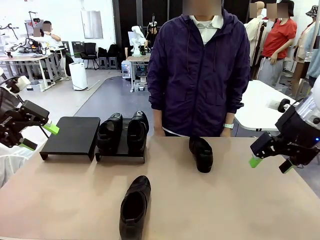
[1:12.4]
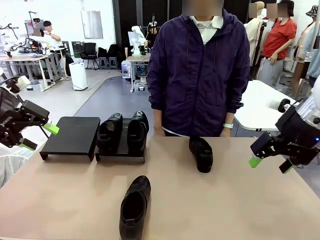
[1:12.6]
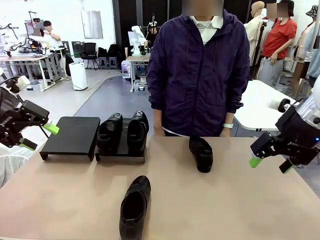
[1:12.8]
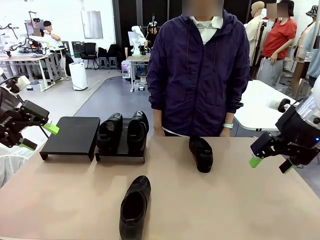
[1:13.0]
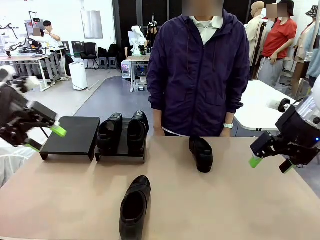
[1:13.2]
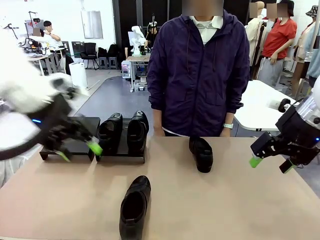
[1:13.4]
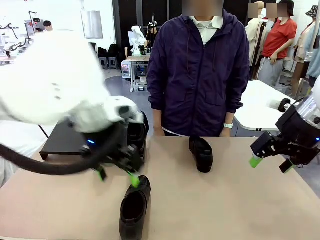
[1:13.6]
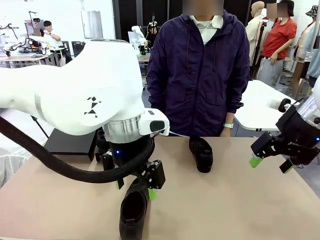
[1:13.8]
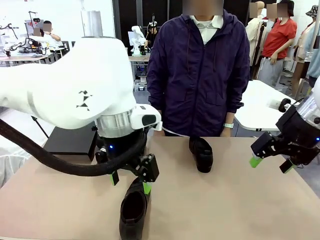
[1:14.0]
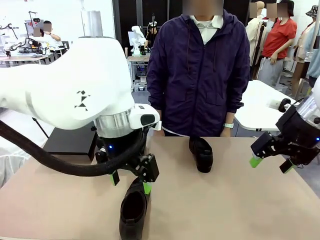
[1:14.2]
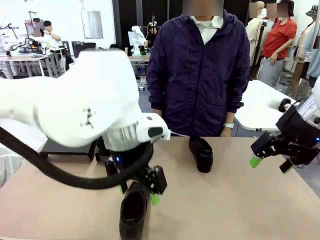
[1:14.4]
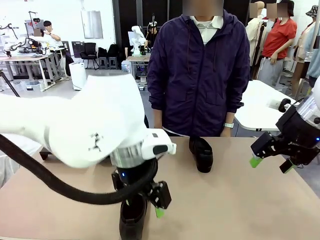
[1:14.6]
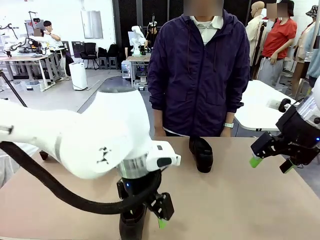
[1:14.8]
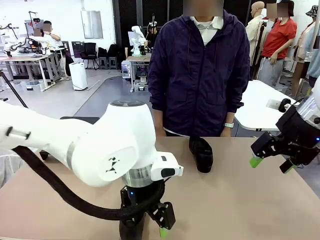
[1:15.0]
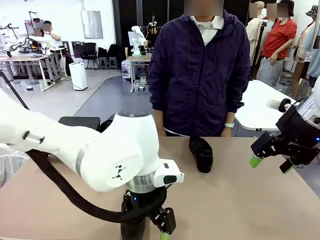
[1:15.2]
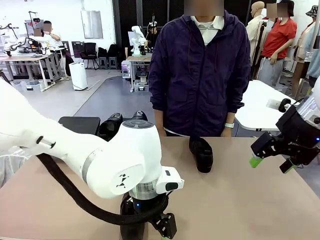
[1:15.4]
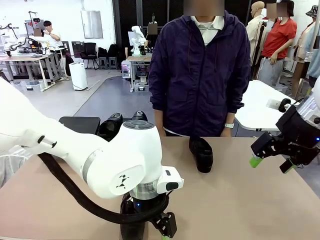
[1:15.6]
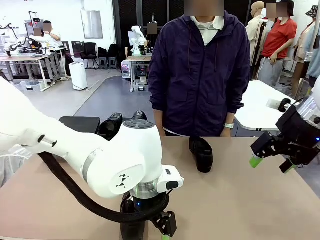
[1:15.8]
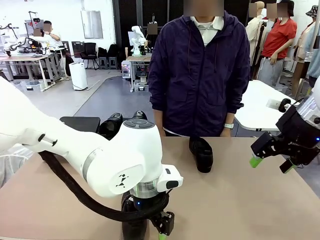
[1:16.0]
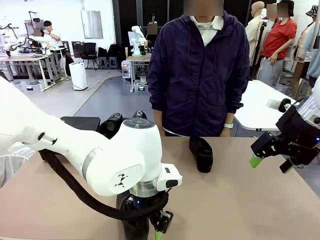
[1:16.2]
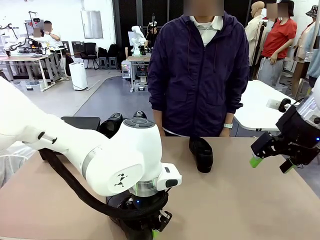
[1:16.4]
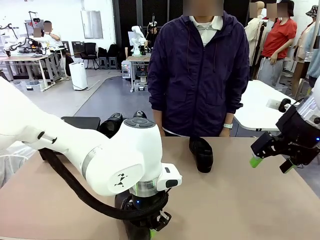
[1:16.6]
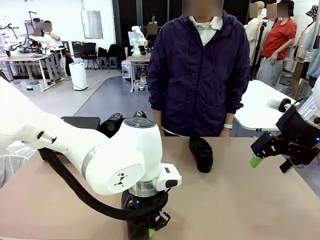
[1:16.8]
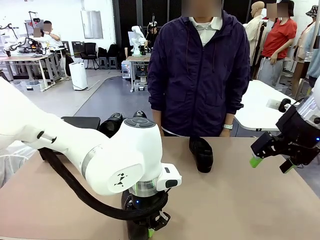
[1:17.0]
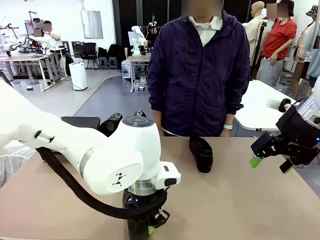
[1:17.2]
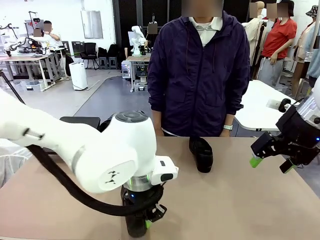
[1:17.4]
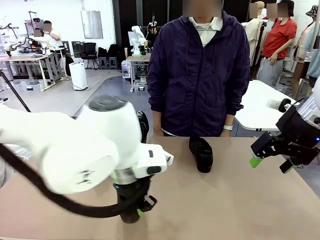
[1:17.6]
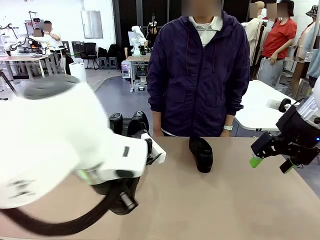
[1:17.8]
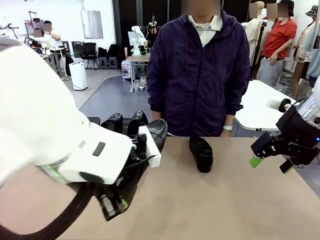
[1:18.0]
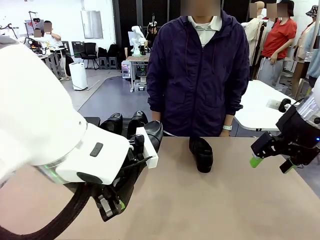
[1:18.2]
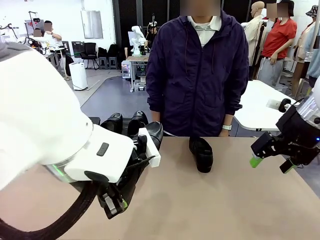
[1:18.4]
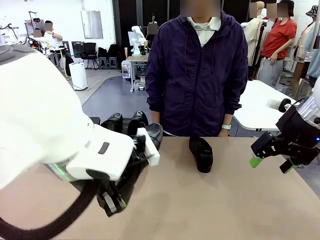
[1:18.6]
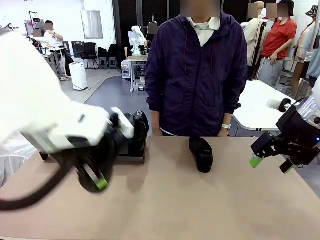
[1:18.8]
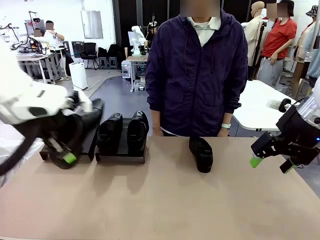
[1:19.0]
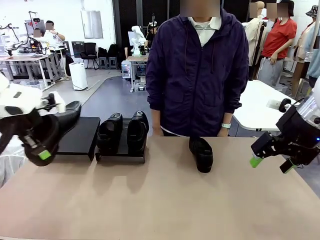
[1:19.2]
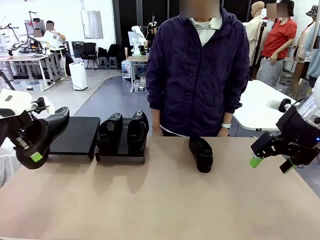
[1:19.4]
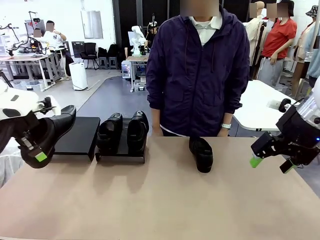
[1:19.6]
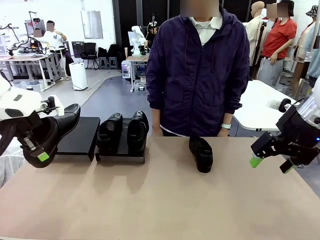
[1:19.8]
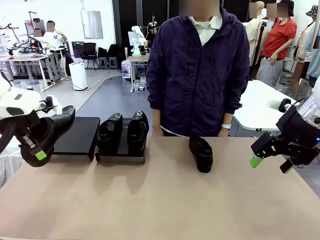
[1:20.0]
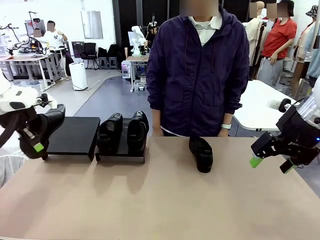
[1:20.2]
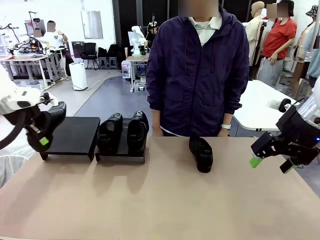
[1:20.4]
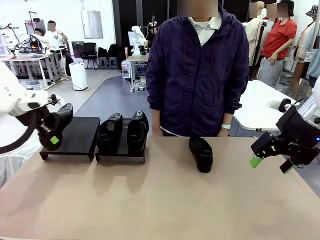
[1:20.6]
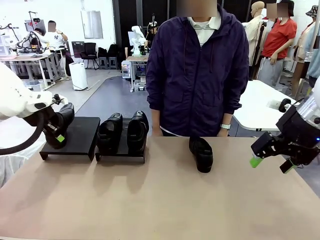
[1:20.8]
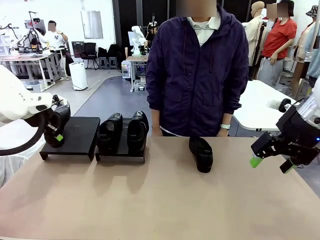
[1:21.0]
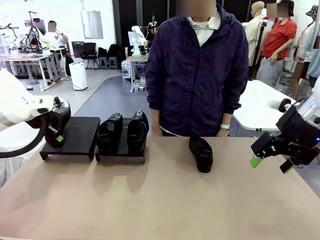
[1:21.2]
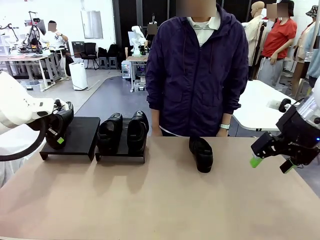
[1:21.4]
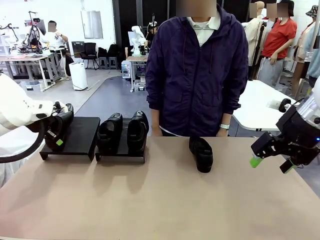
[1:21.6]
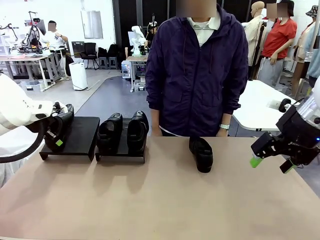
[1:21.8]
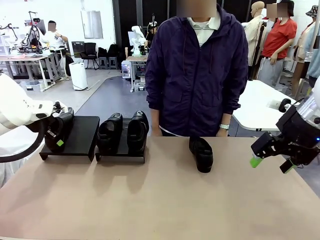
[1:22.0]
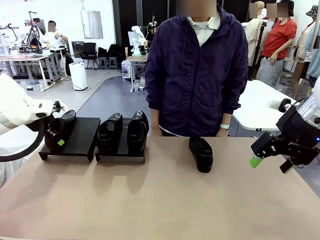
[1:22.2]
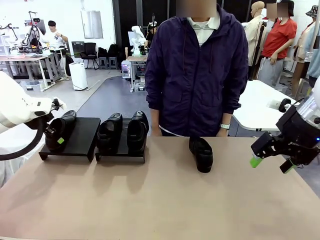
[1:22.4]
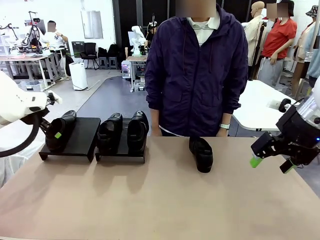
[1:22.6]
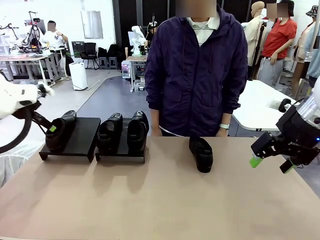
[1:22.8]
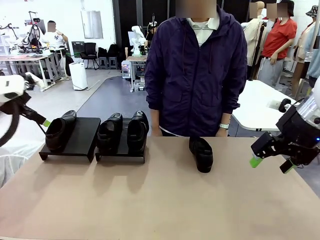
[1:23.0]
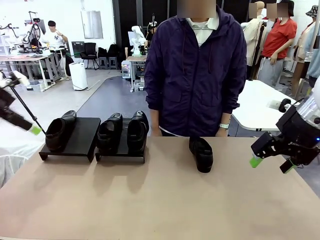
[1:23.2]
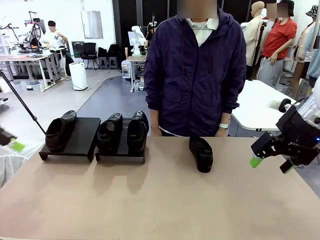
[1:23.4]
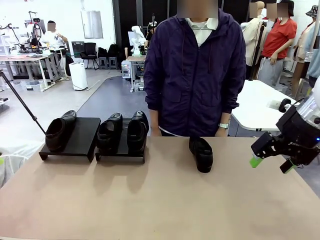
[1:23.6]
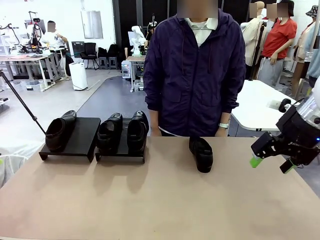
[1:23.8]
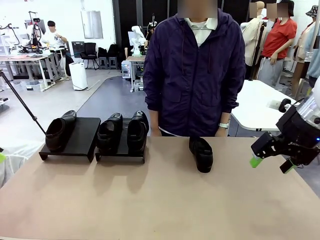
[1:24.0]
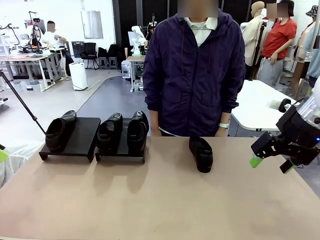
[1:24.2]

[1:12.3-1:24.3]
Task: Organize the shoes by placing them on the stand.
Robot: Place the Shoe from the middle of the table onto the Shoes Stand.

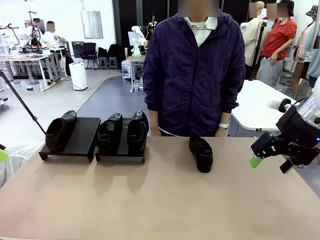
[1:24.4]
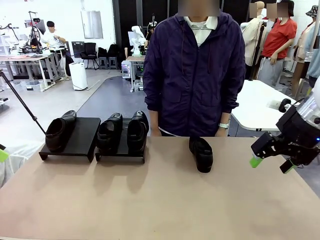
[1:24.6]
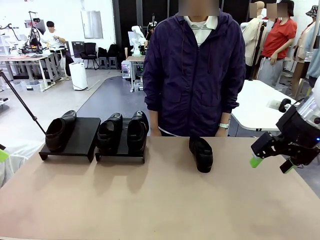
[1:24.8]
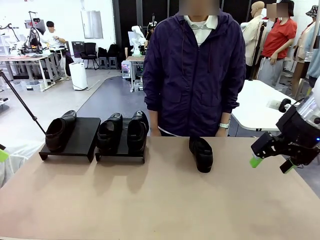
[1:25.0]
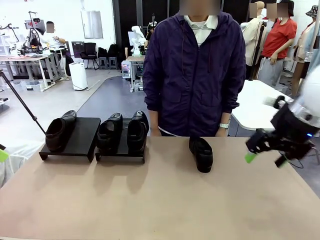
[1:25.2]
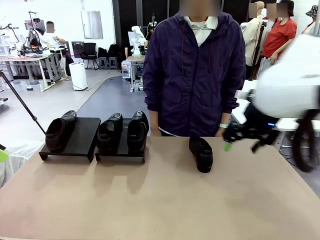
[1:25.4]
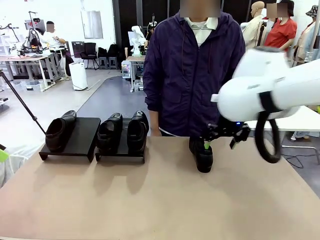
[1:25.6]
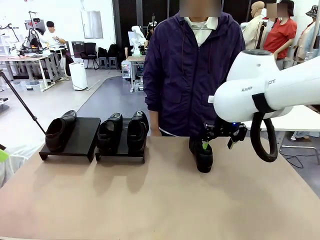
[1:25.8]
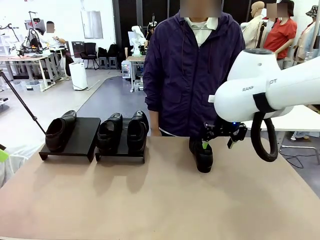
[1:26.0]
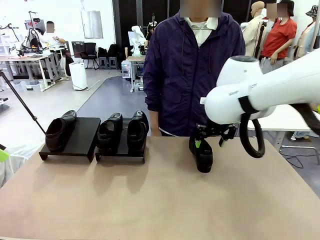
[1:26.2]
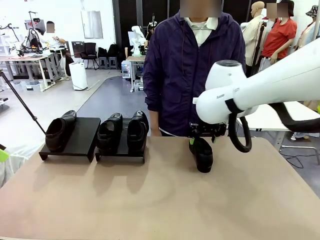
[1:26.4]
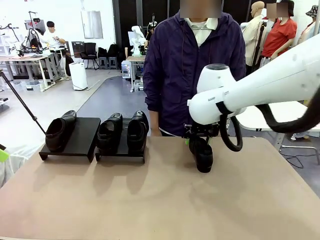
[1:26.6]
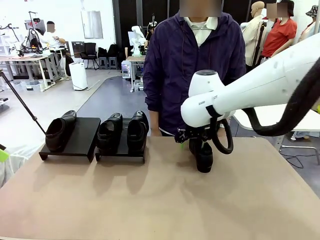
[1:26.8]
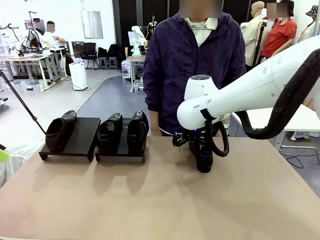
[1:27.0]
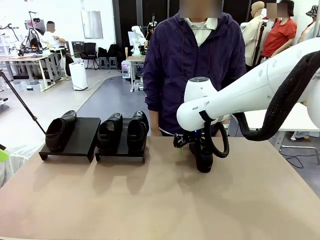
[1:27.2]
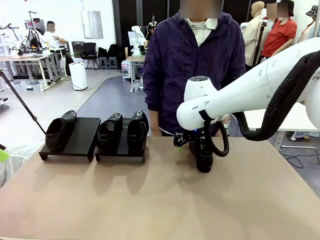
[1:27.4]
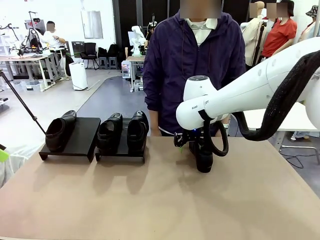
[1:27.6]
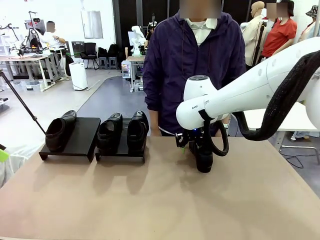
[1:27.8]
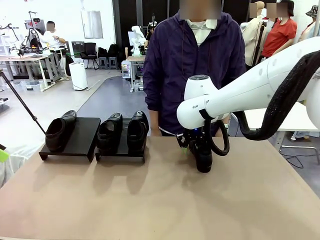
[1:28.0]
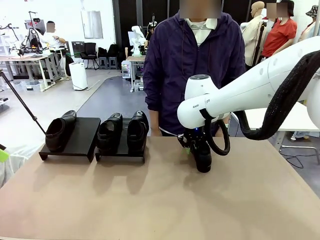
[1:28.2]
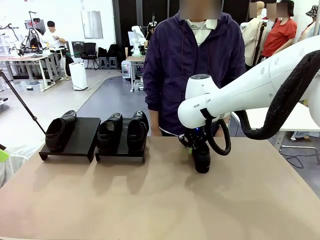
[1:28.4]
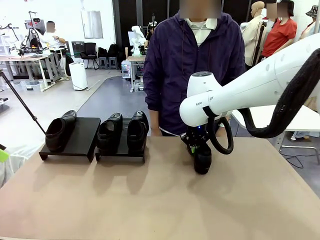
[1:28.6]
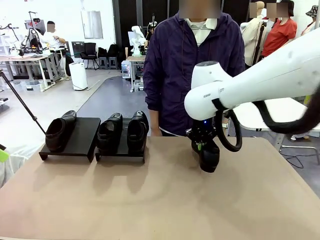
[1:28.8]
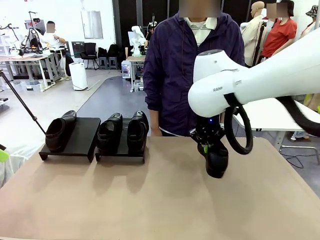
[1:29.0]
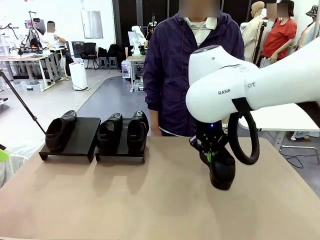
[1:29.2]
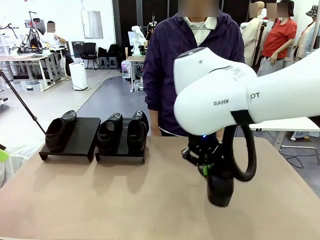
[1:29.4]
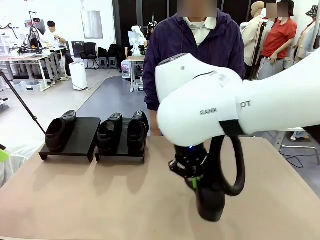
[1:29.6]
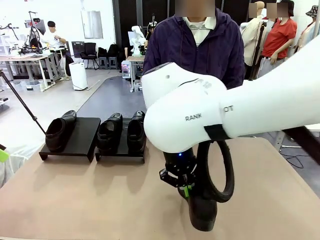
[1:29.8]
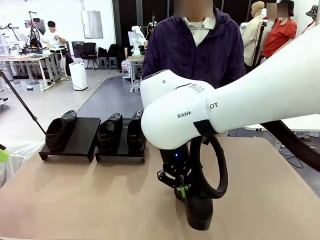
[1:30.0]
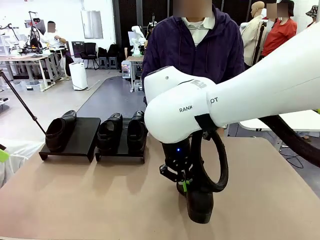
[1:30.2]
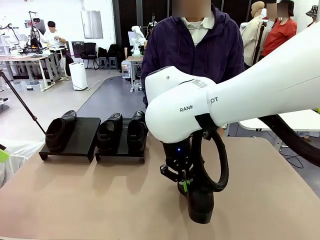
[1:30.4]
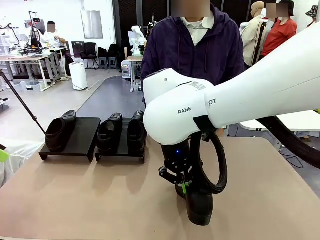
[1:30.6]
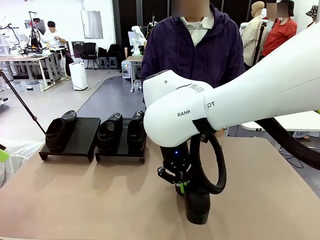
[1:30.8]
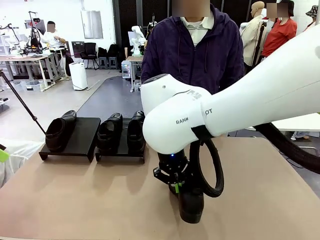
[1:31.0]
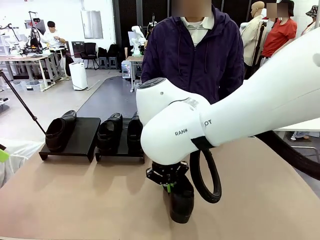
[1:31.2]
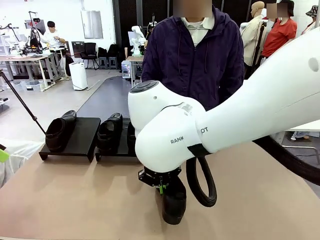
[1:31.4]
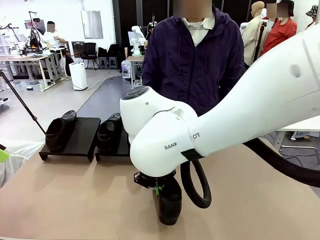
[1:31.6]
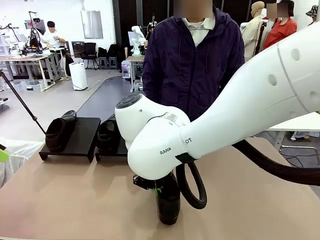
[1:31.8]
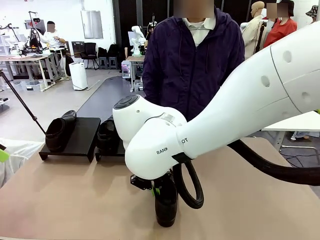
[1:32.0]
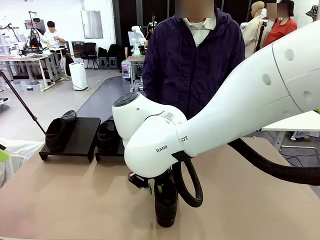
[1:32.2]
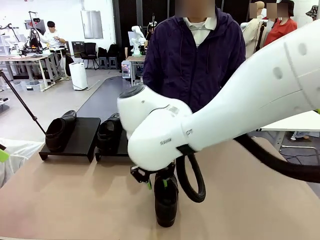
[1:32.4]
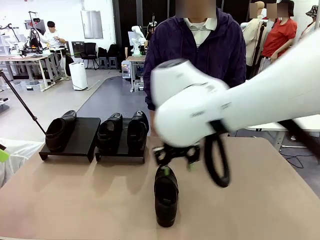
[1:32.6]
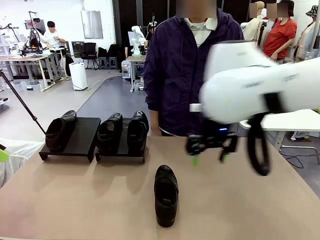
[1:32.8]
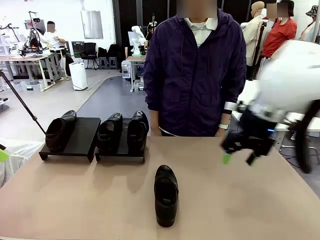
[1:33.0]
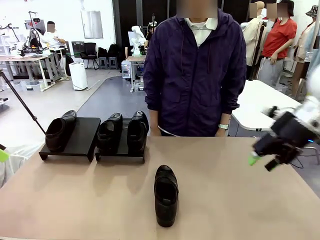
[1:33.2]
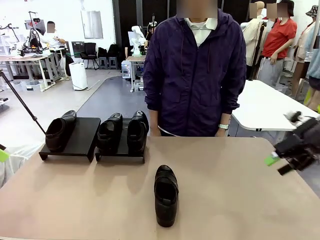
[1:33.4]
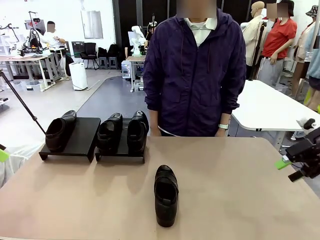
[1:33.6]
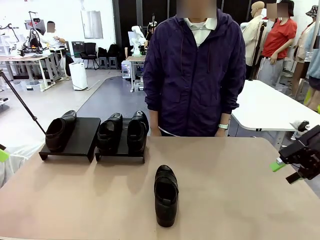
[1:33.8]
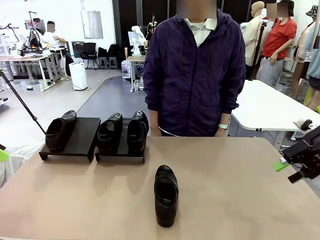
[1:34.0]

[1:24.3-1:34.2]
Robot: Pick up one Shoe and place it in the middle of the table.
